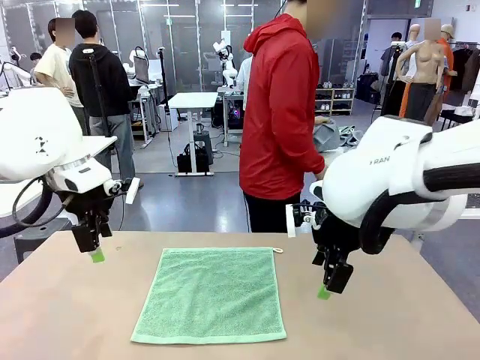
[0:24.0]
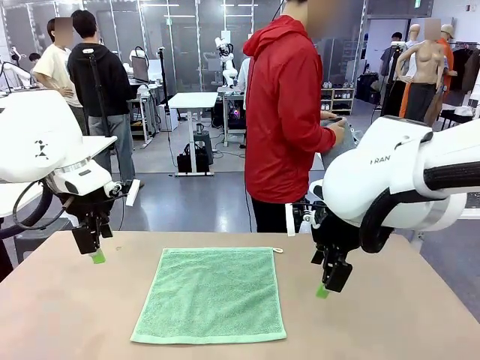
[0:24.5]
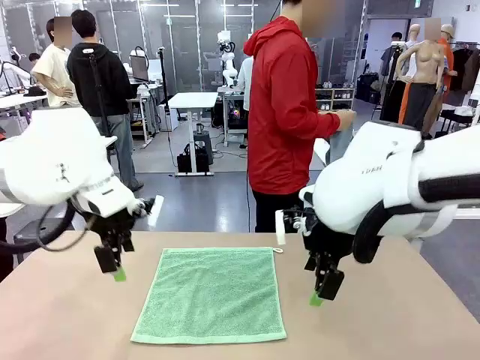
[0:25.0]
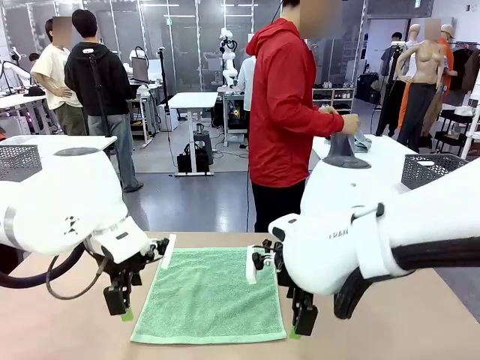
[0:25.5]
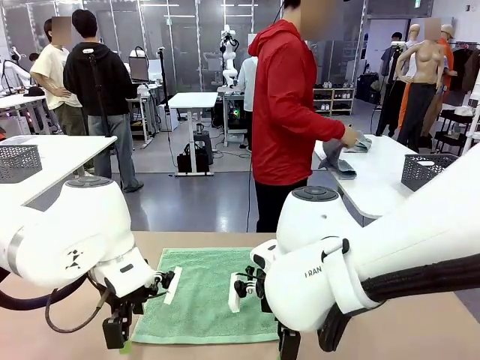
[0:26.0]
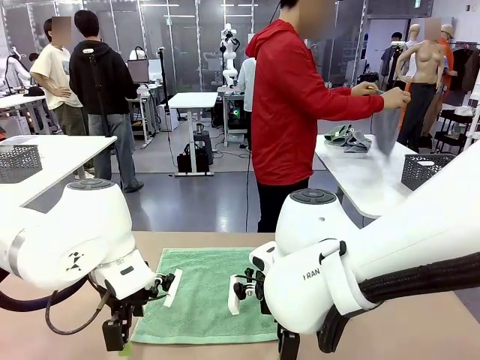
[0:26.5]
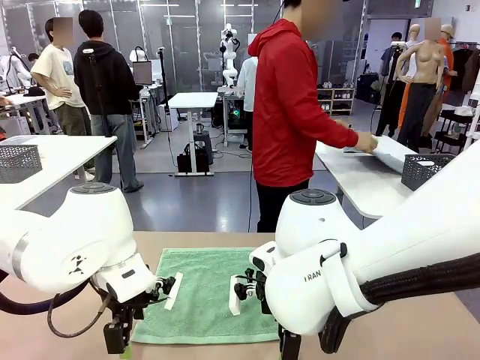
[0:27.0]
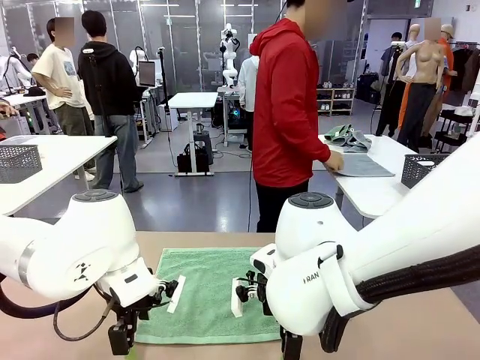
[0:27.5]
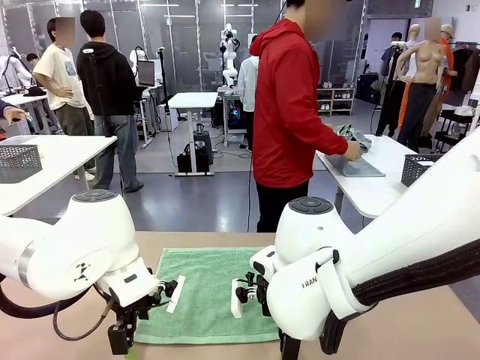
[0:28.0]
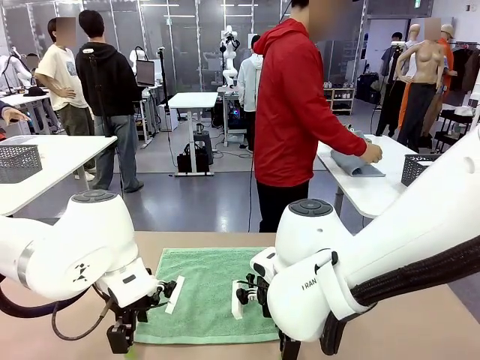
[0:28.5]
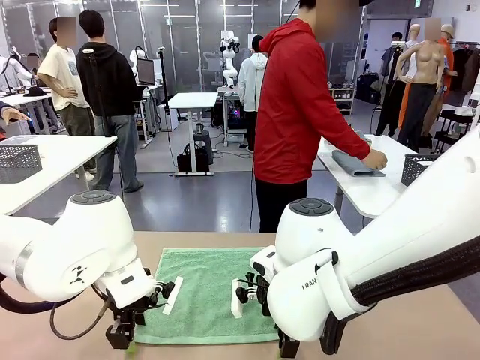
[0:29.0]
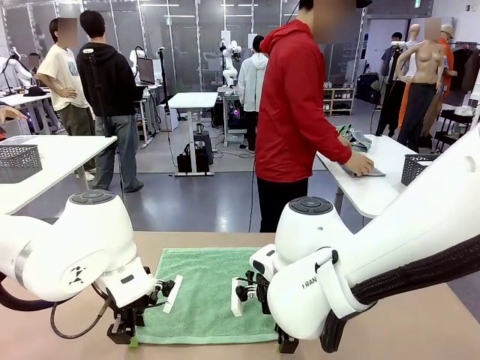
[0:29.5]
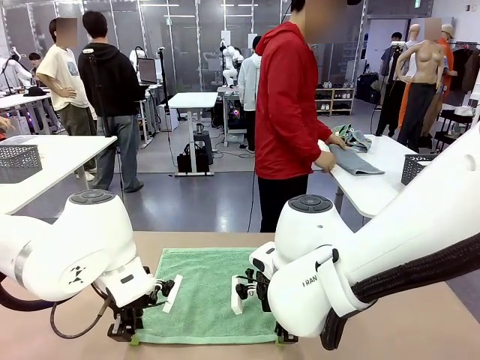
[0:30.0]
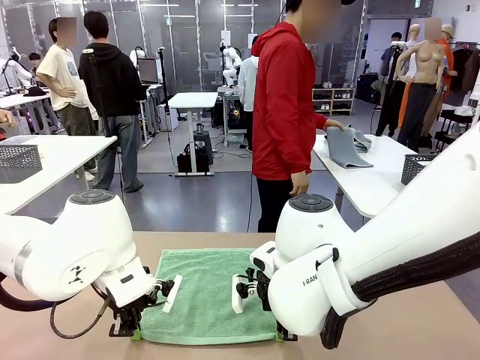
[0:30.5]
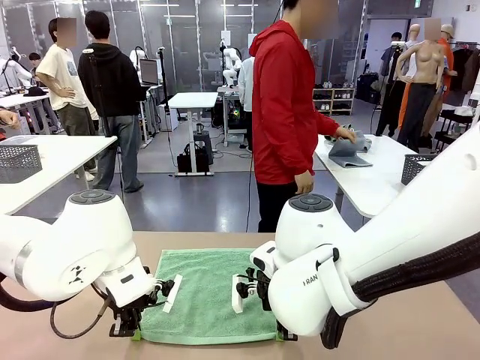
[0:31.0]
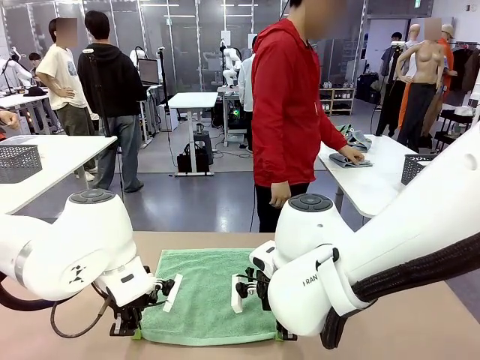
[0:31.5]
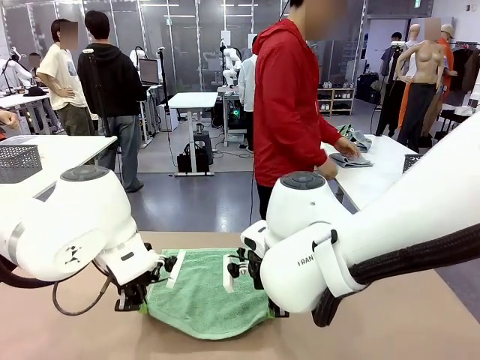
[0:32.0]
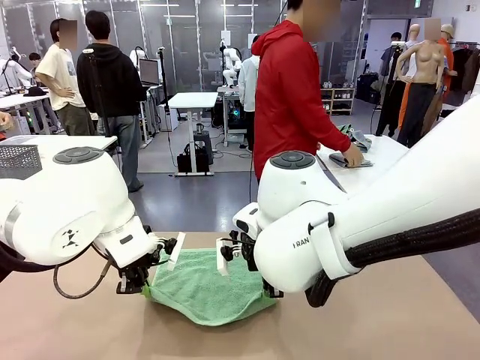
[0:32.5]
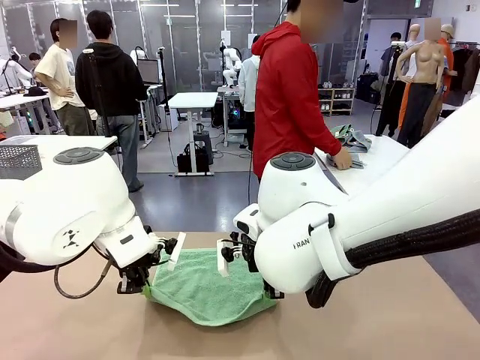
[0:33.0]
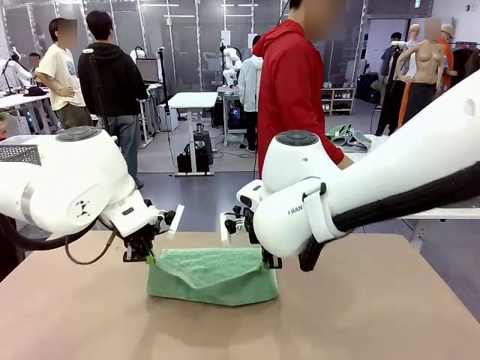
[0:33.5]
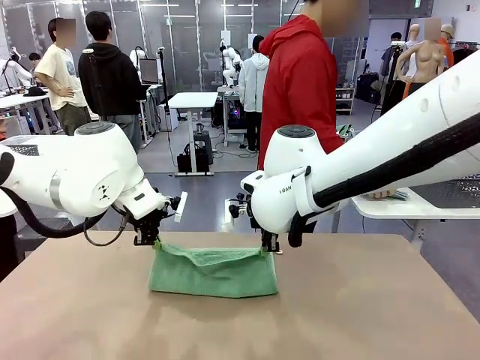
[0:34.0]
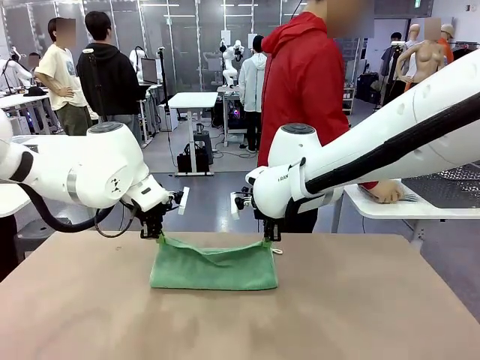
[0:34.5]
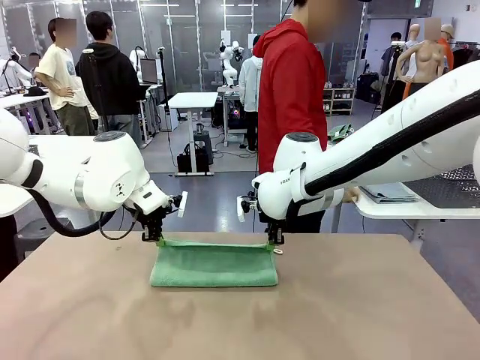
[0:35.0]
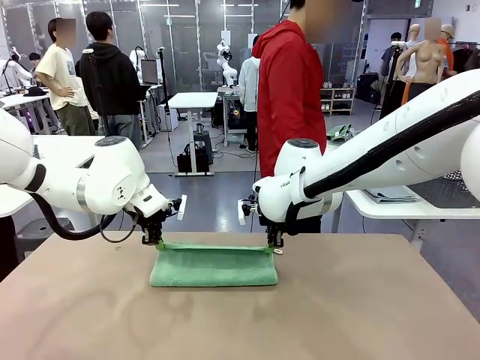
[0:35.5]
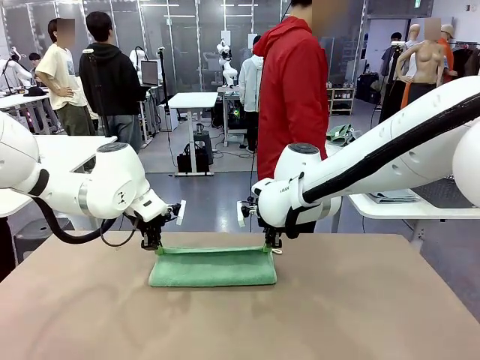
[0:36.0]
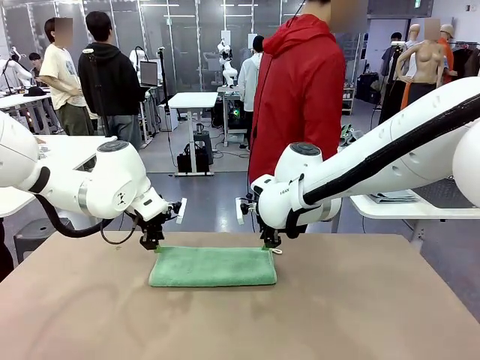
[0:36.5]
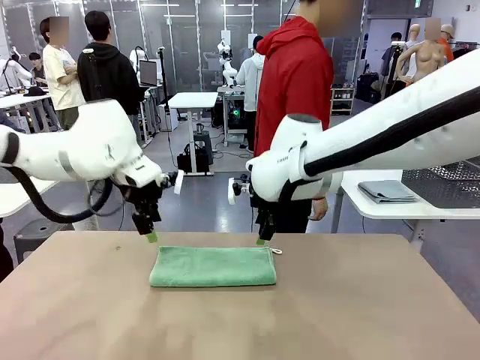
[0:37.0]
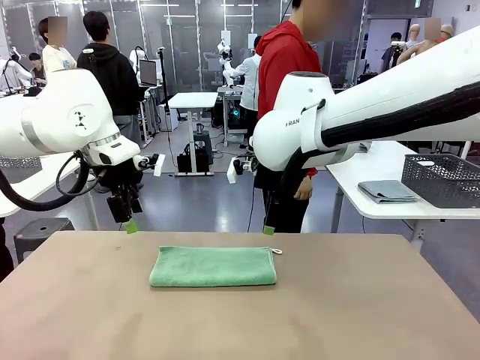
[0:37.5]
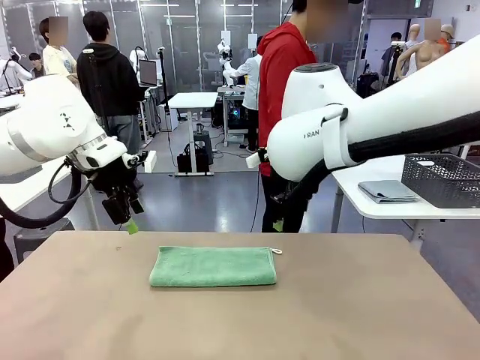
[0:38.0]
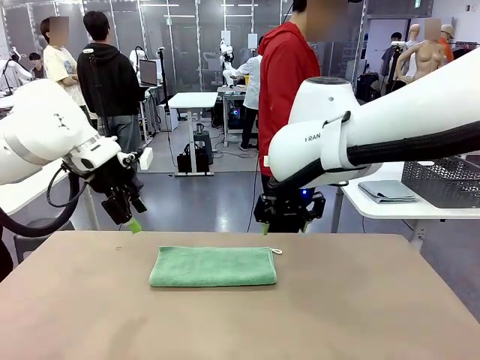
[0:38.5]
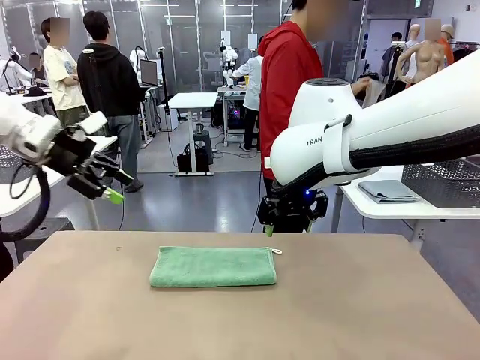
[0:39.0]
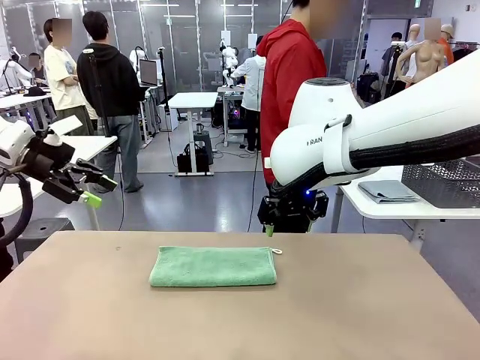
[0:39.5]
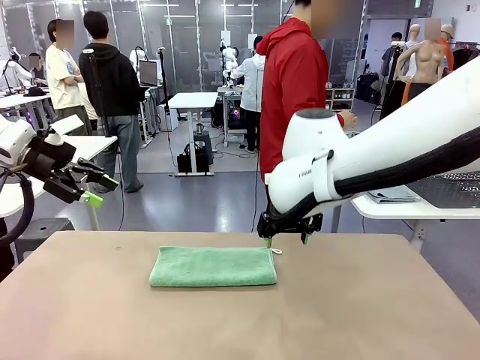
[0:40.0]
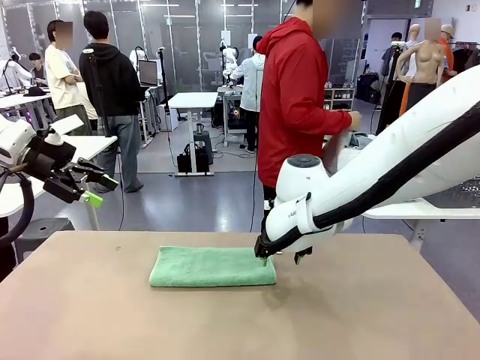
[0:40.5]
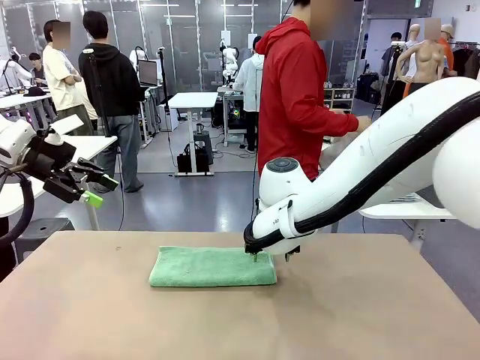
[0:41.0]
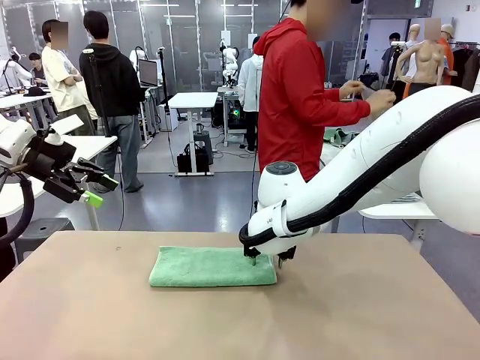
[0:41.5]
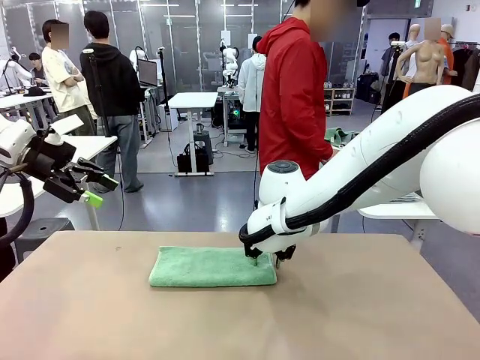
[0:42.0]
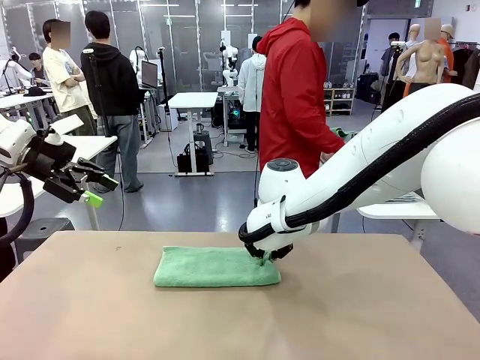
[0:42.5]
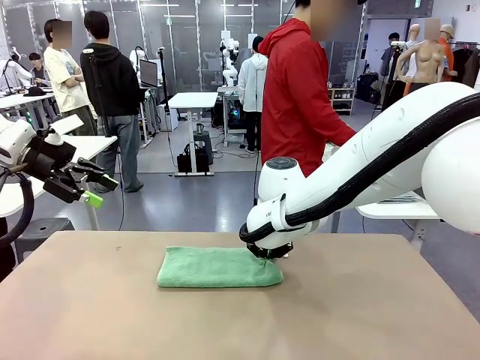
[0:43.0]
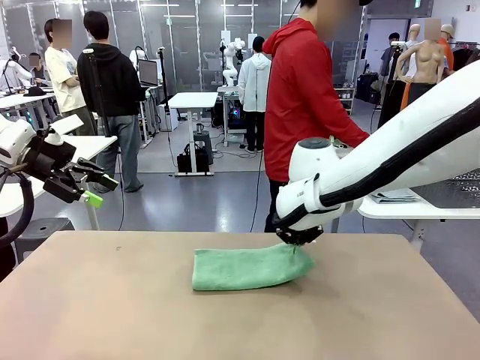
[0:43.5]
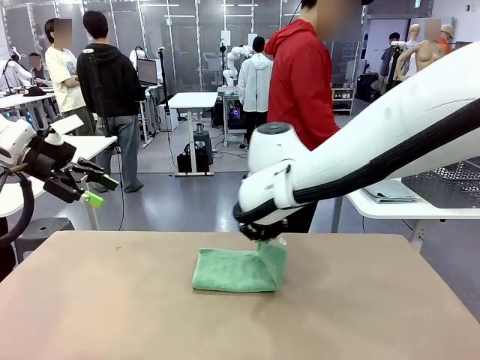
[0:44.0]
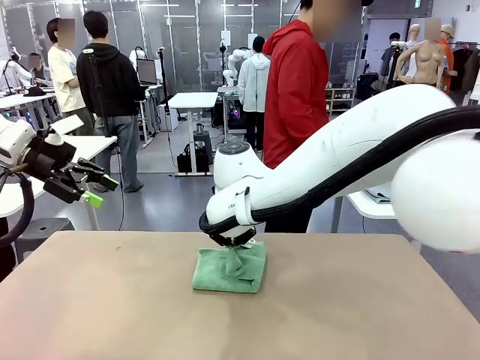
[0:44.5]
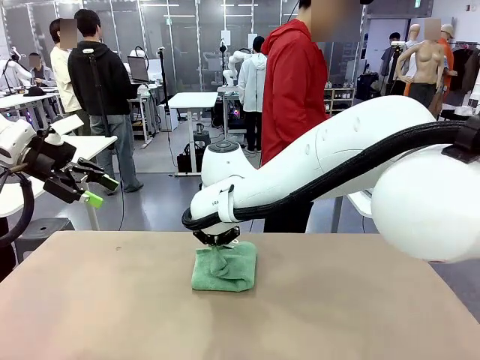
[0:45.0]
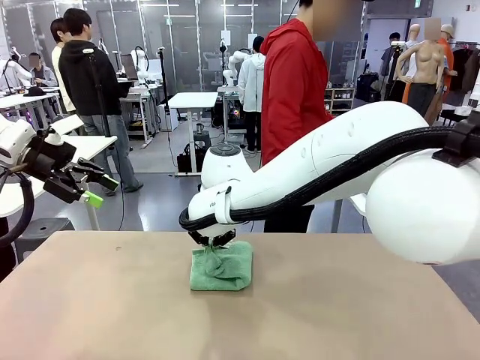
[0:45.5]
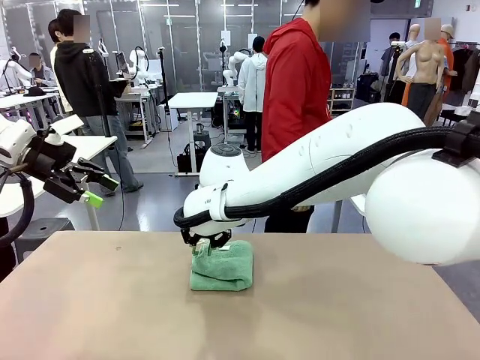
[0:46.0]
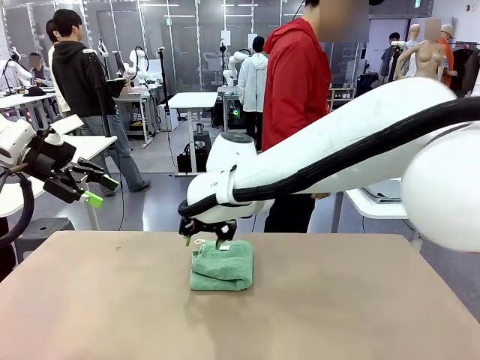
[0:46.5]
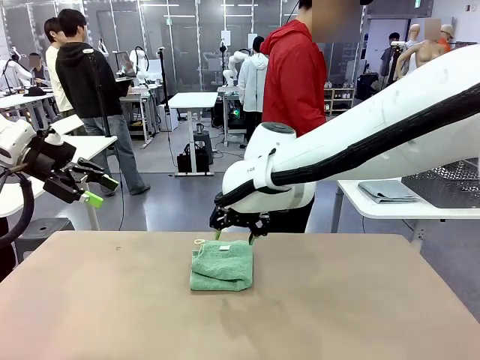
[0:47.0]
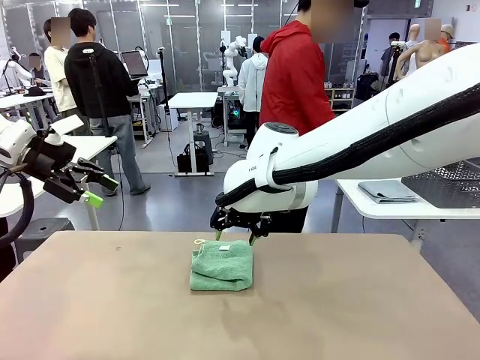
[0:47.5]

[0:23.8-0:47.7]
Task: Fold the towels and place them in the basket.
Robot: When a person lays out a Towel with hook on the table, fold it in half twice.
Person: Pick up one towel from the left side of the human table, fold it in half twice, and place it on the right side of the table. Pick up one towel from the left side of the human table, fold it in half twice, and stack it on the right side of the table.

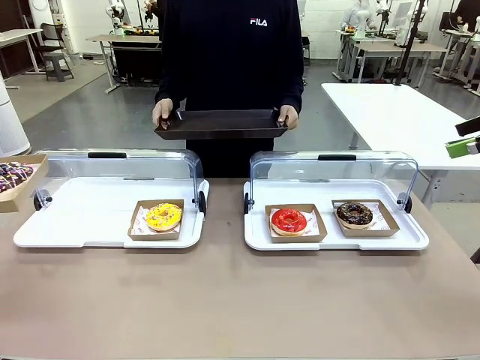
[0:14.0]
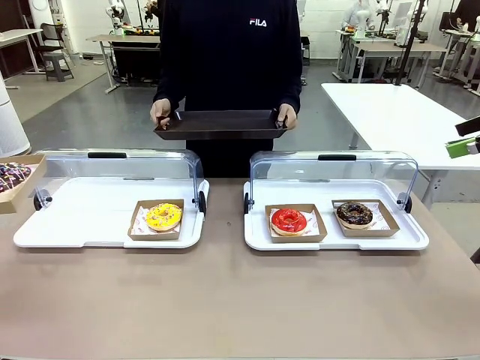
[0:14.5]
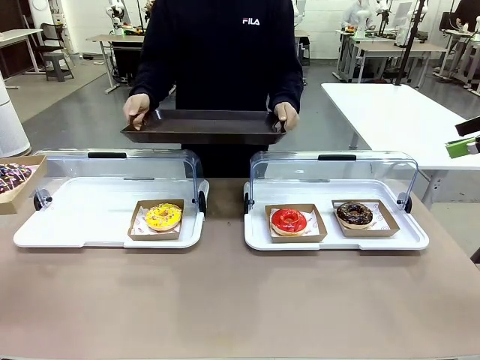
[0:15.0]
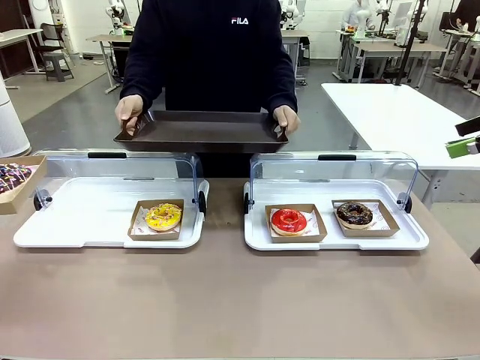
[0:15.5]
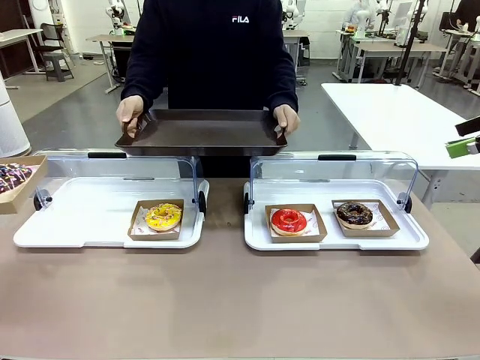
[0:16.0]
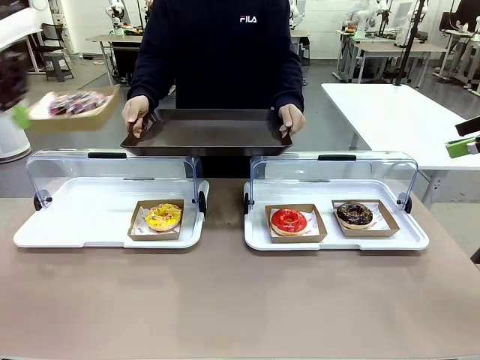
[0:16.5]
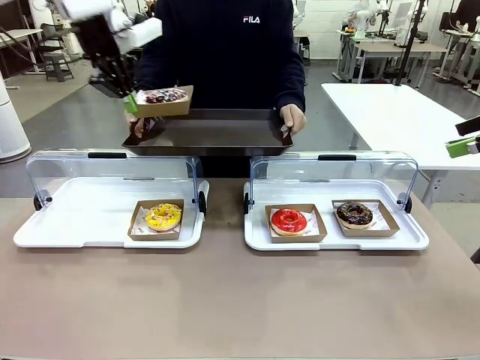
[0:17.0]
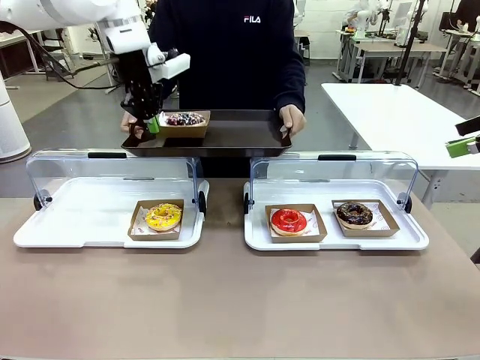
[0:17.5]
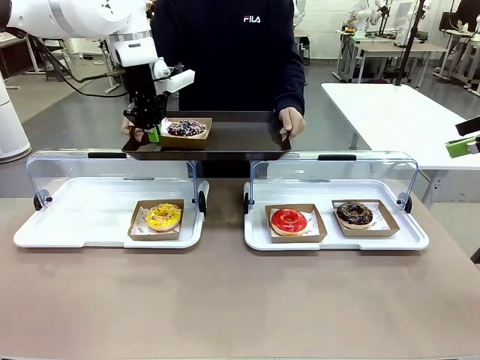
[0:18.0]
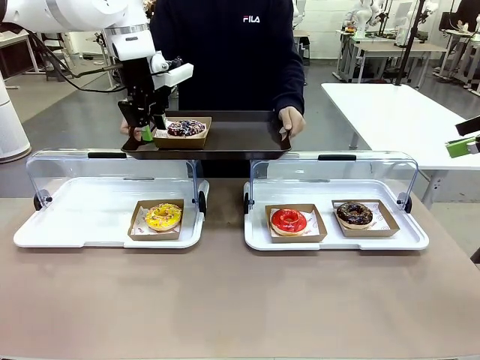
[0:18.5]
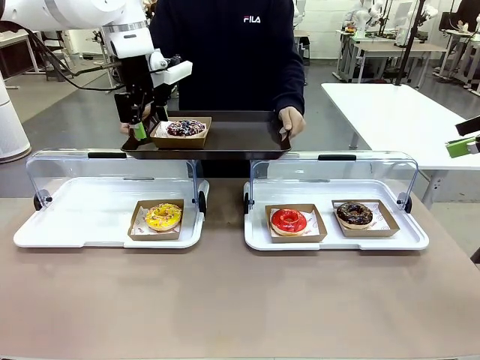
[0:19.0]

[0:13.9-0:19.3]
Task: Provide the desired donut to the person.
Robot: Place the picked Paper togo box onto the Handle tray extended by the person.
